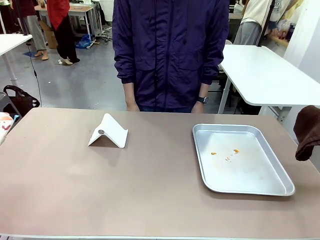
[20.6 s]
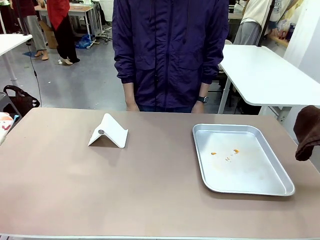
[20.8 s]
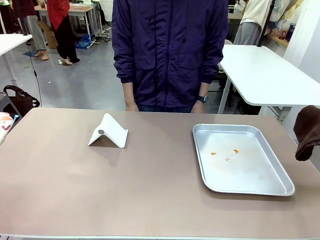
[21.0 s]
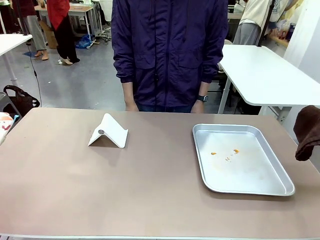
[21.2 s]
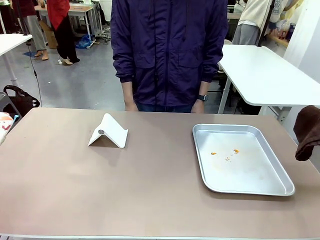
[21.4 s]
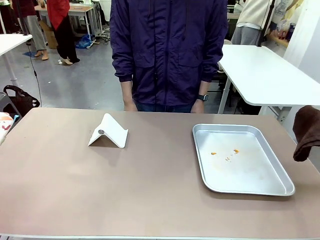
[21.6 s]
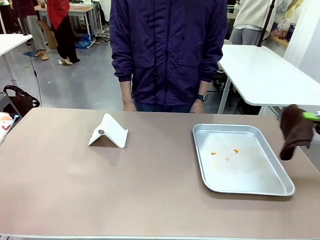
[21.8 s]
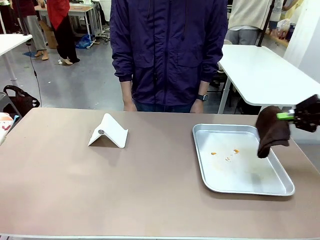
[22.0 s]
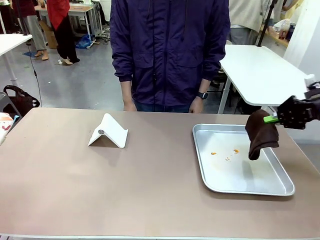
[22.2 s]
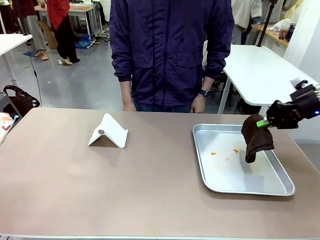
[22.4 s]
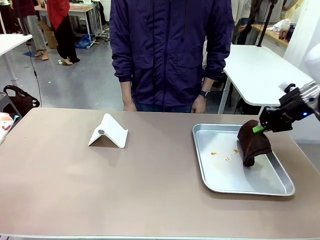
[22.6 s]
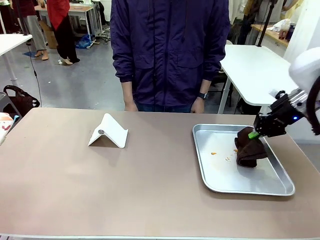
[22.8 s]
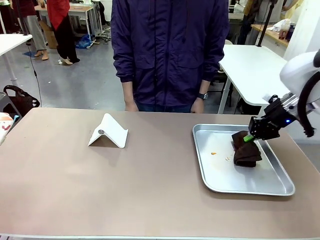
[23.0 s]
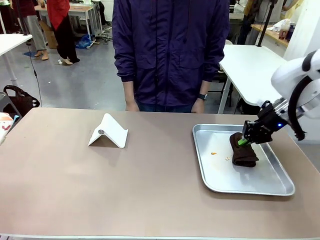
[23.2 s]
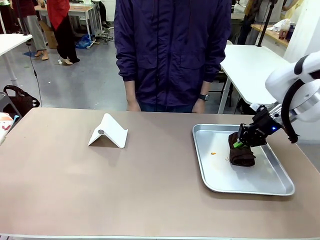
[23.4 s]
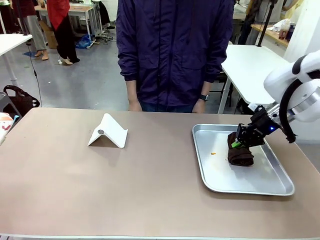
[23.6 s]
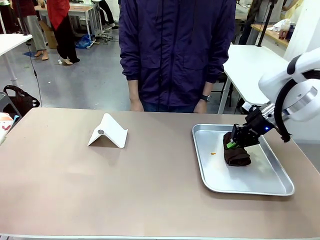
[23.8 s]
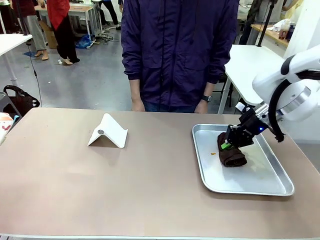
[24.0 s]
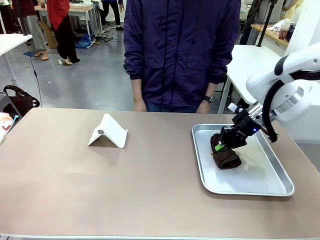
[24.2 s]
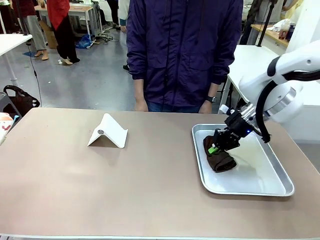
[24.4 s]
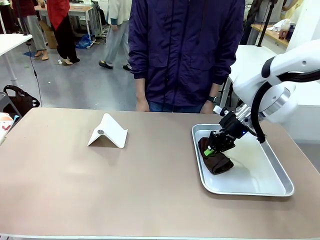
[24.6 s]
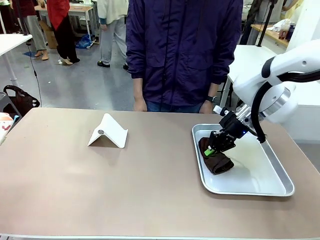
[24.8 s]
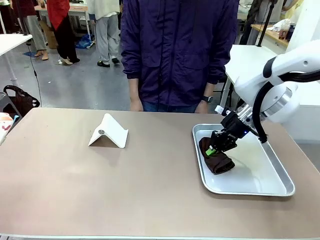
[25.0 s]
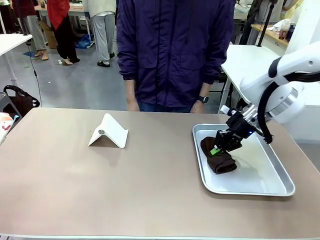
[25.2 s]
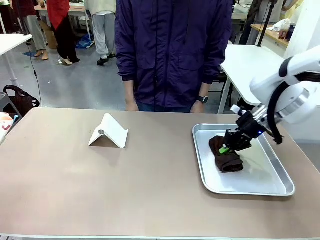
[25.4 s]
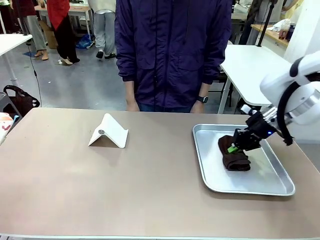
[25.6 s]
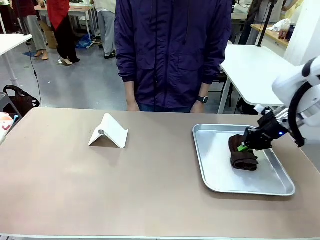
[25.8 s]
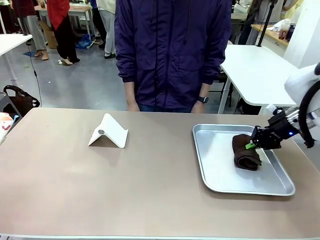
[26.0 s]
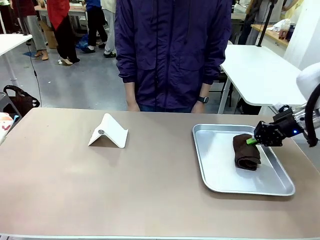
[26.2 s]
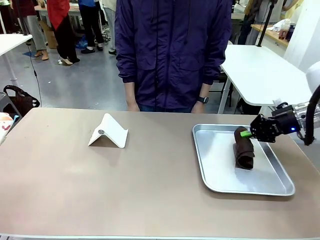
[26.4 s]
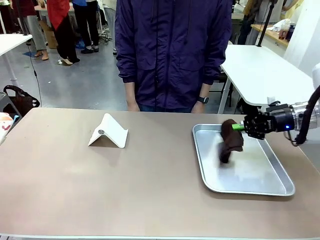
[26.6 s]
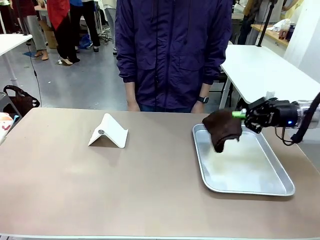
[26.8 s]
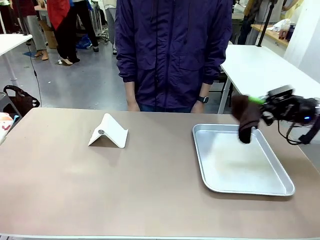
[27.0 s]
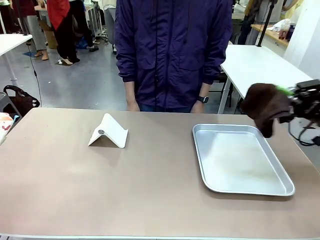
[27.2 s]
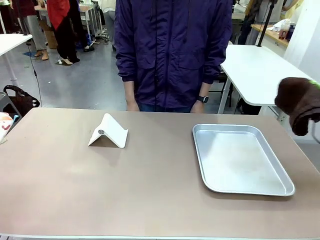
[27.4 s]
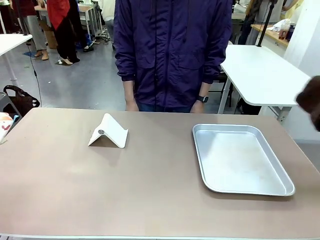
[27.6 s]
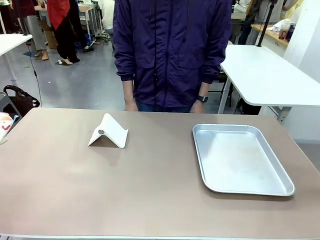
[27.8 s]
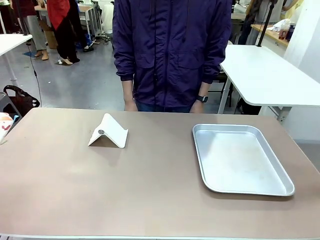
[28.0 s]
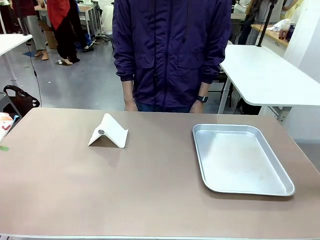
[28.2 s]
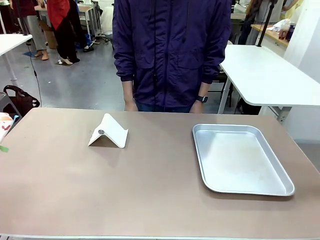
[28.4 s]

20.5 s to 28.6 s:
Task: Clean the surface of the table.
Robot: Clean the area not pointed to by the person.

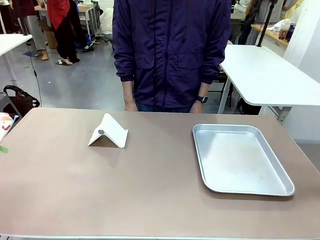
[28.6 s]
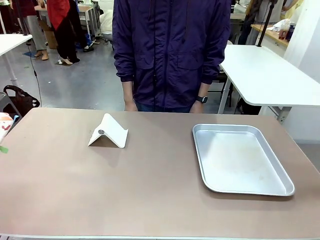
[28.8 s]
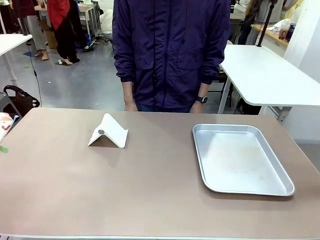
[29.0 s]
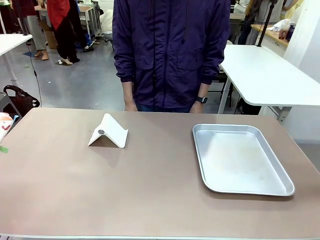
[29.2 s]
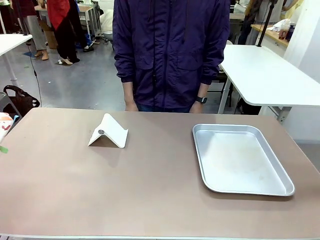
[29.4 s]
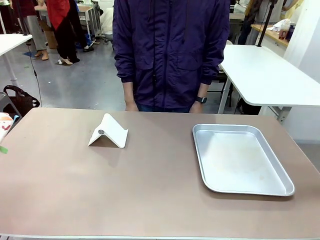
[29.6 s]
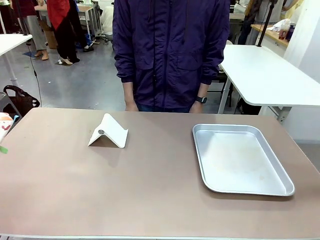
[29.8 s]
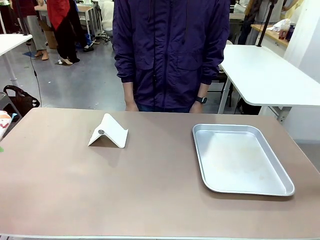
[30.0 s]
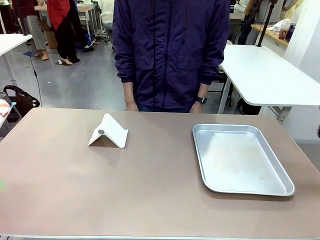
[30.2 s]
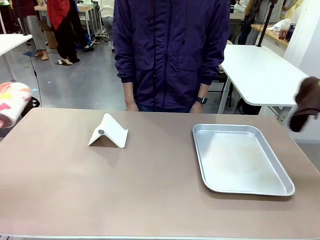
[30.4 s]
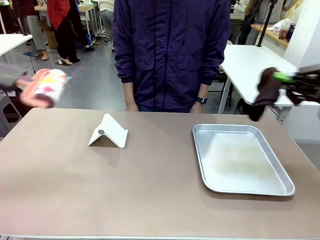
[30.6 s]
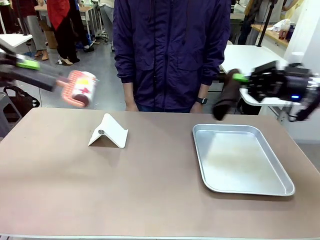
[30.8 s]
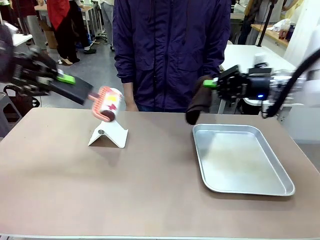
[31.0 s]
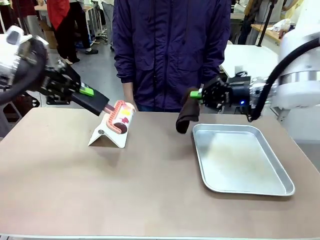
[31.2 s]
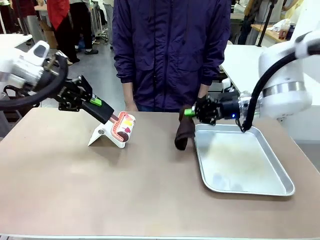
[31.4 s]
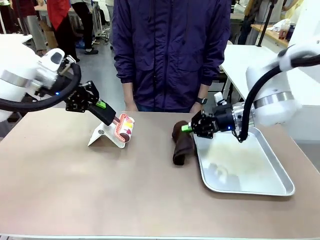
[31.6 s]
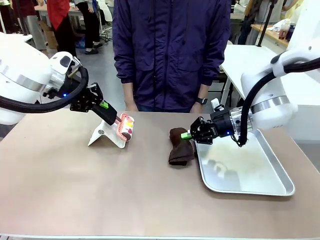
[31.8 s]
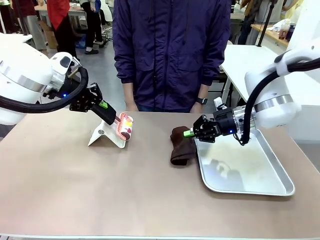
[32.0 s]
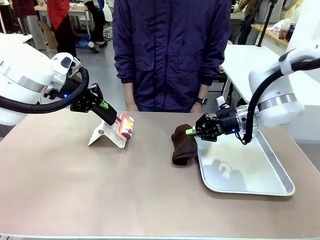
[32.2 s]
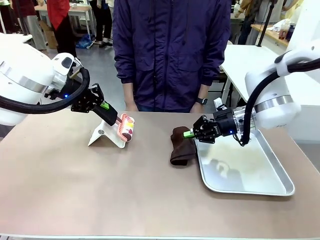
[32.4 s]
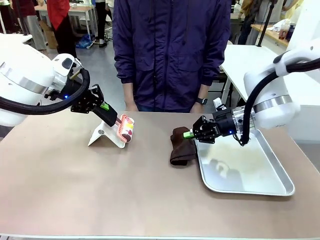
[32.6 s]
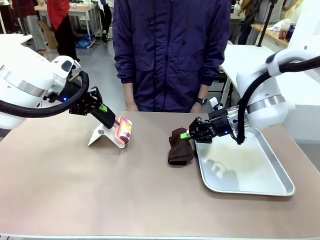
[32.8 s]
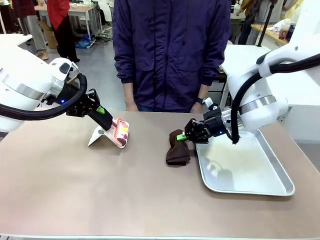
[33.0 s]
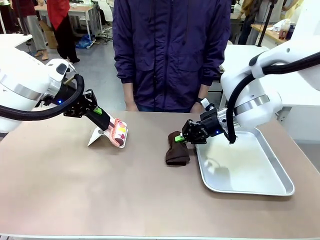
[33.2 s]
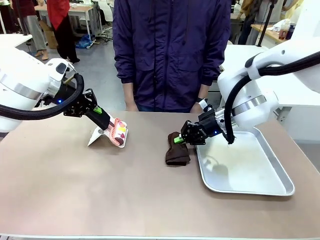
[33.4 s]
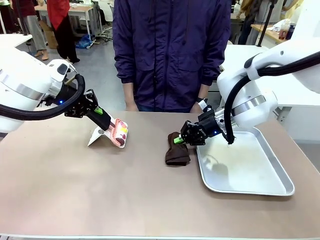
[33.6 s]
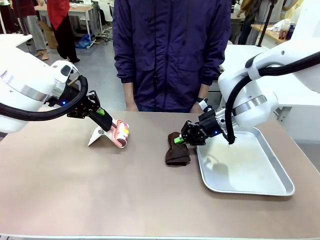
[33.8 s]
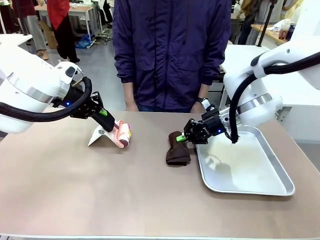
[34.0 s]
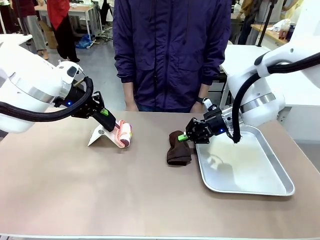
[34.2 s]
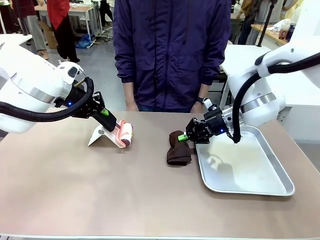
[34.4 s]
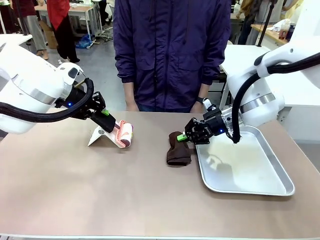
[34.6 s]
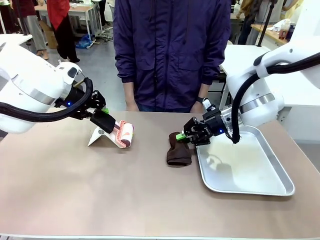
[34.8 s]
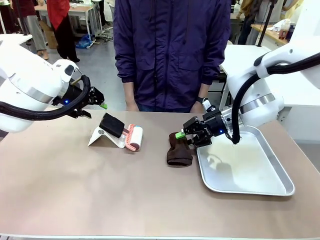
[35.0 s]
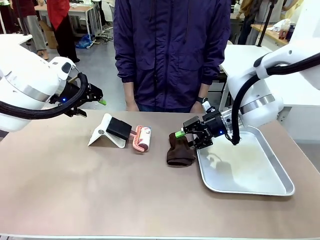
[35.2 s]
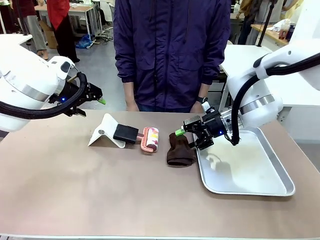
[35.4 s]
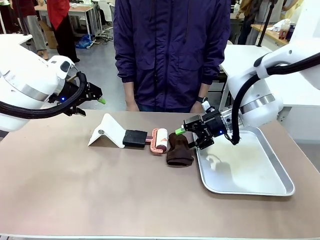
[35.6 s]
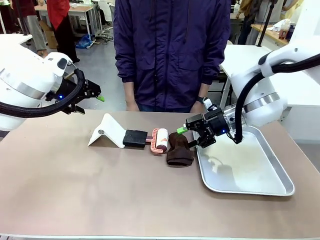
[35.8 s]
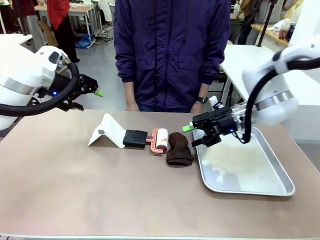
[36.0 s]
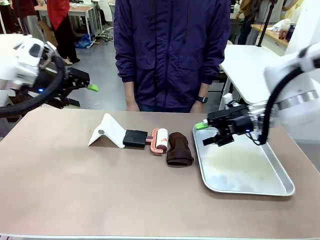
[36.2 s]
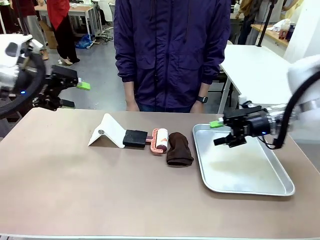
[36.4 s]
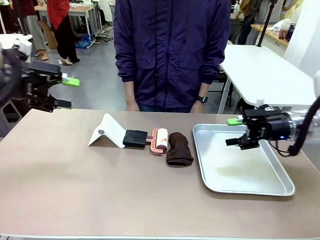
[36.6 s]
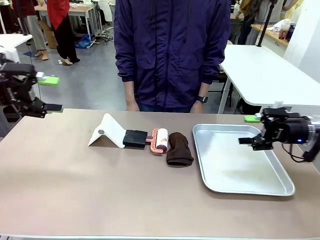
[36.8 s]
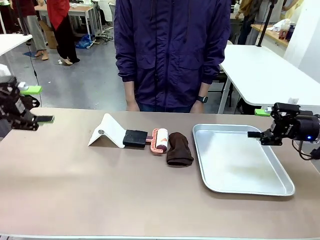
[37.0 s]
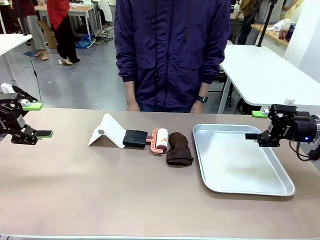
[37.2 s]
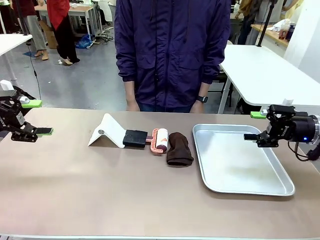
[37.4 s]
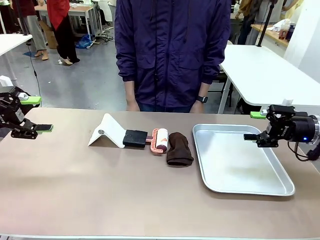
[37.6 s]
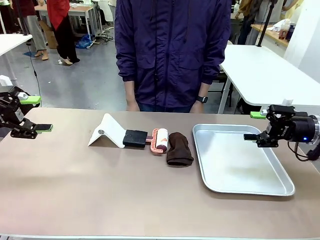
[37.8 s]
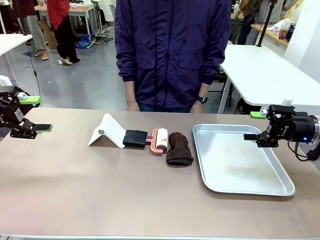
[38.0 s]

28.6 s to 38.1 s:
Robot: Return the Lint Roller and towel to their original positions.

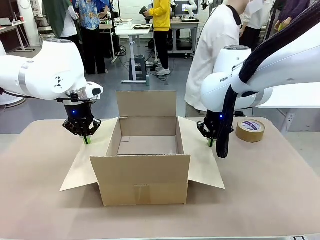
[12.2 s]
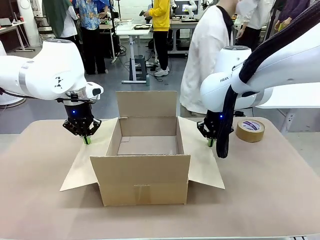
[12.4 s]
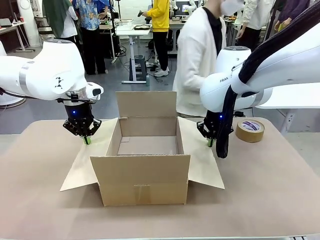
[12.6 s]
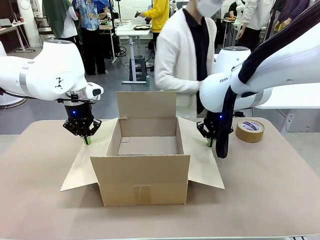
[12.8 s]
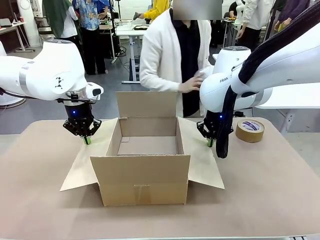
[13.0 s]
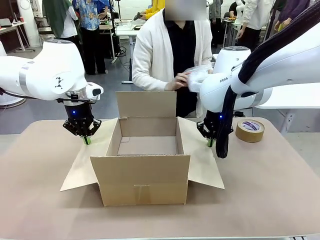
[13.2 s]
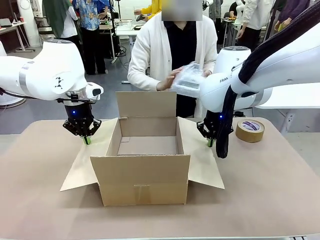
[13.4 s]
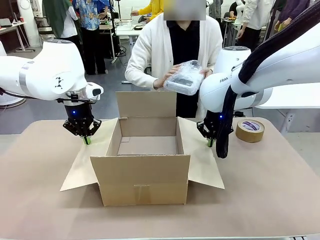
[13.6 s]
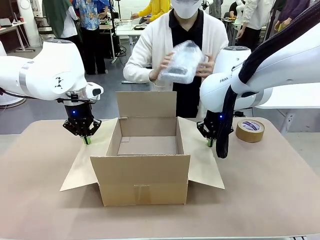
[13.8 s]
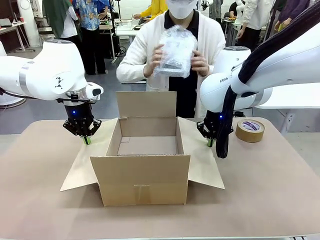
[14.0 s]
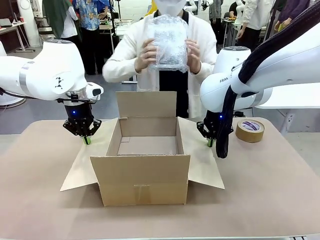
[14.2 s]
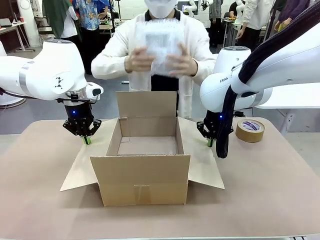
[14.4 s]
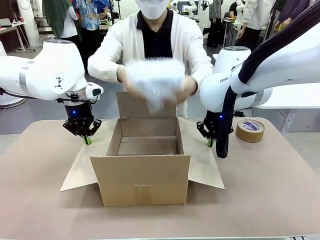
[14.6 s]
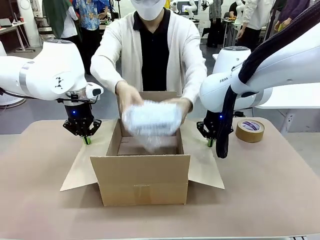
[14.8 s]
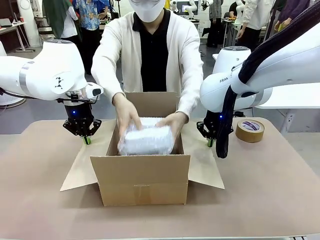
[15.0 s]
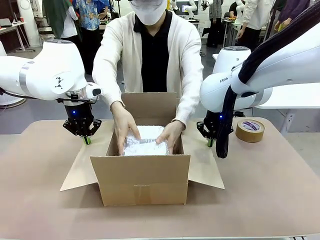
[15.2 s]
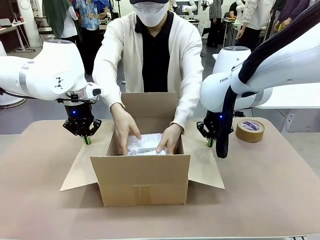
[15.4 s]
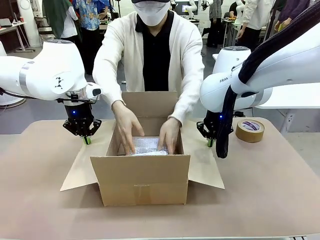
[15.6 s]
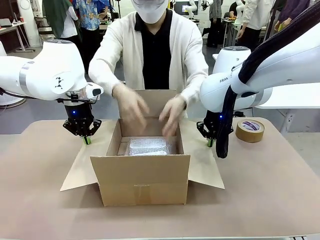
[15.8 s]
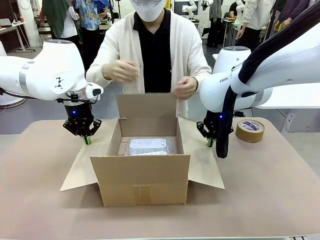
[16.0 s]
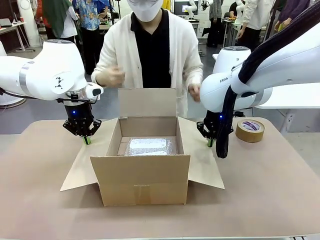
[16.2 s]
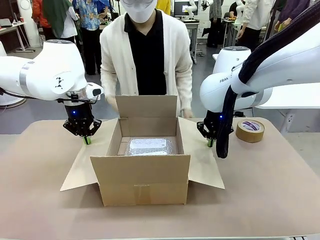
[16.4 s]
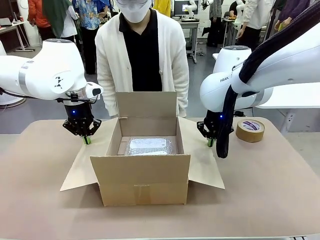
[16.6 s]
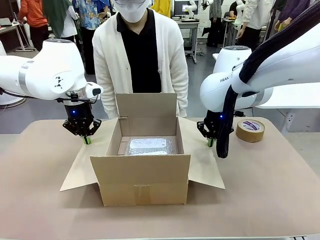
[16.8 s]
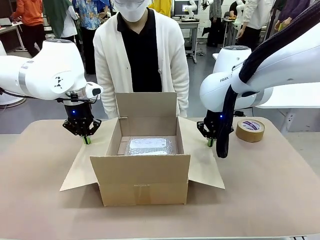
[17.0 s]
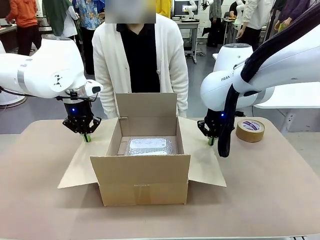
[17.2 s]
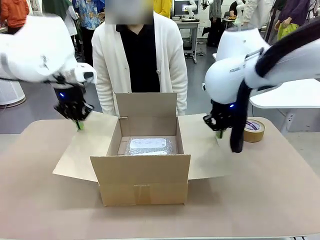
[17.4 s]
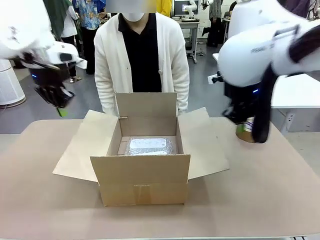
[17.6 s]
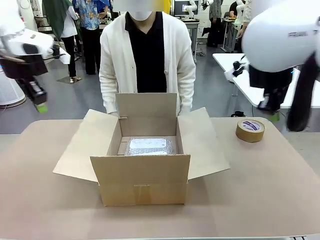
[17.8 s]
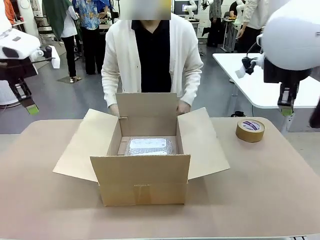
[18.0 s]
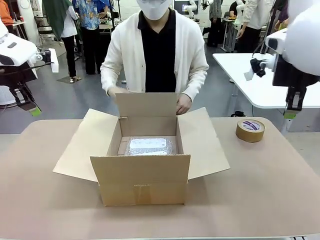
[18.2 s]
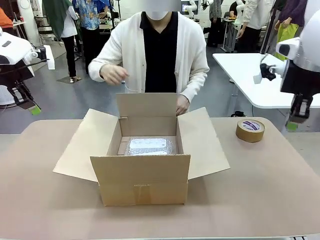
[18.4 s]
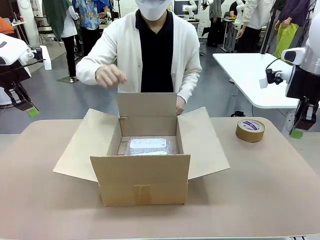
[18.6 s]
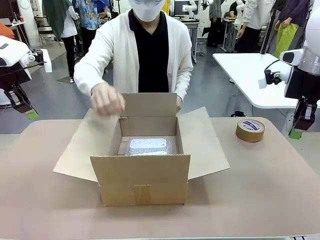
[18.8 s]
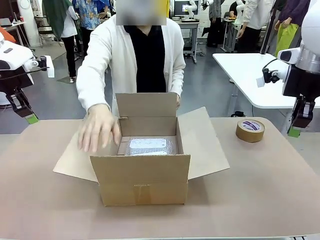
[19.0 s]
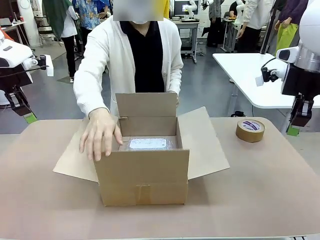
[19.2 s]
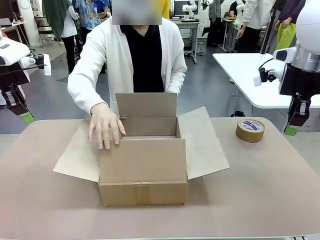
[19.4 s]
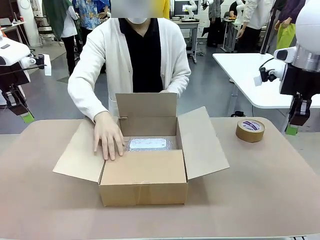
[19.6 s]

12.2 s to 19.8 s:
Task: Wrap the clocks to prevent damage.
Robot: Once the human has placed the objects inside and stepped back, release both hands from the side flaps of the Package Box.
Person: Place the wrapped Digital clocks inside the Package Box. Hold the top and bottom flaps of the Package Box closed with your left (or right) hand.
